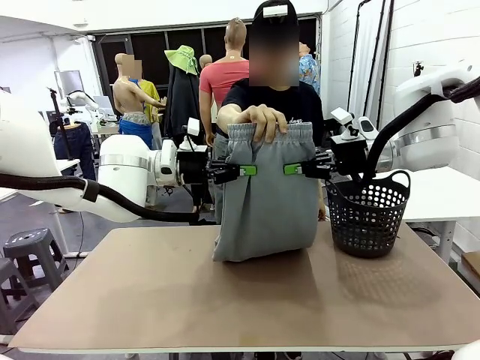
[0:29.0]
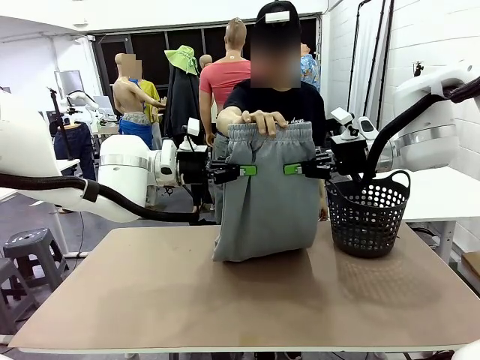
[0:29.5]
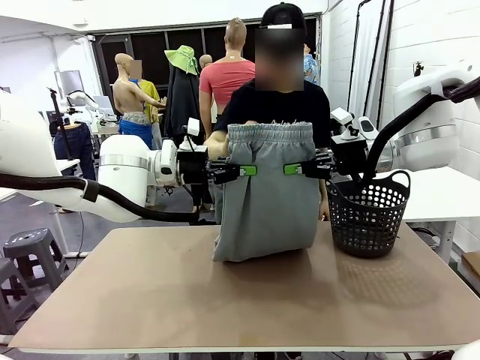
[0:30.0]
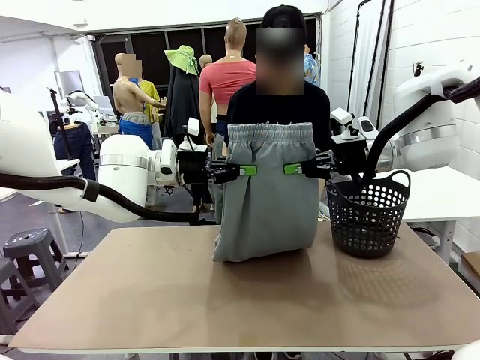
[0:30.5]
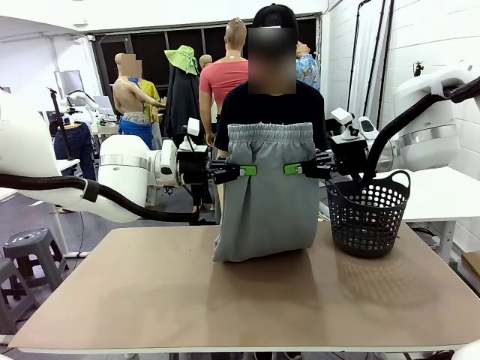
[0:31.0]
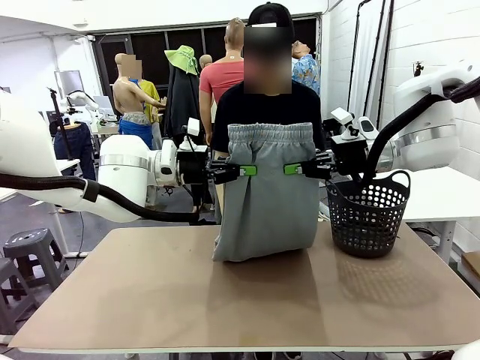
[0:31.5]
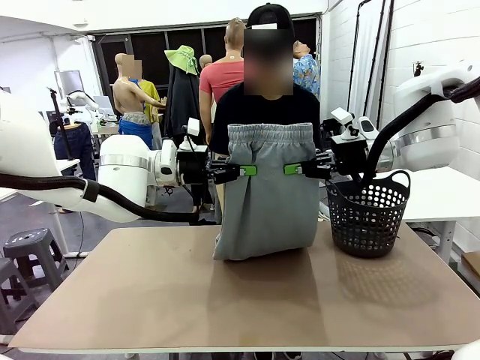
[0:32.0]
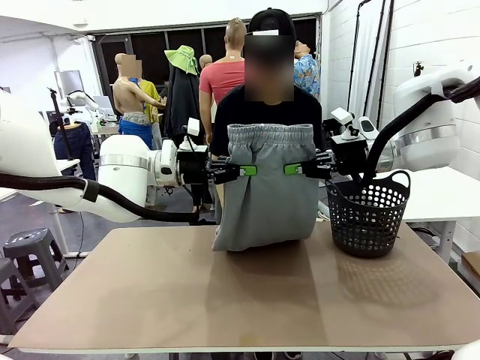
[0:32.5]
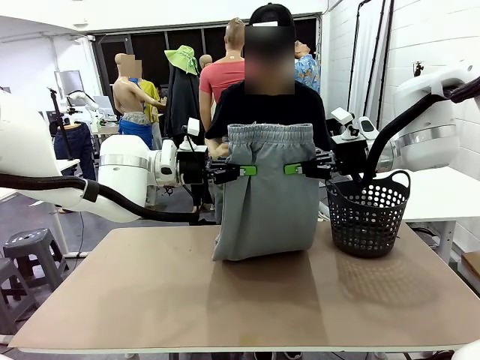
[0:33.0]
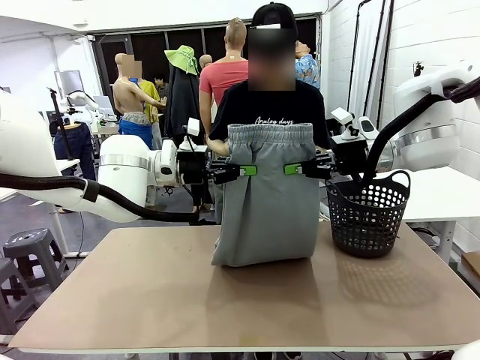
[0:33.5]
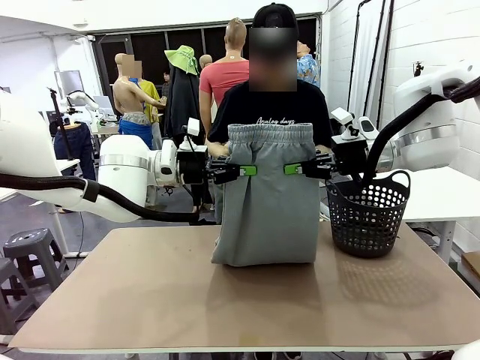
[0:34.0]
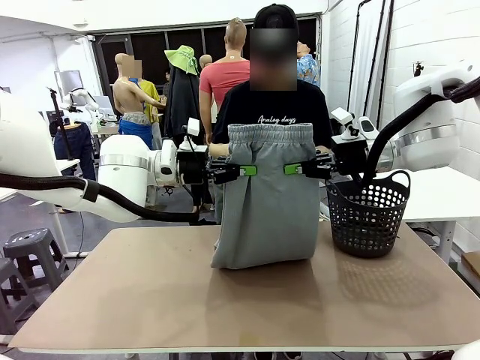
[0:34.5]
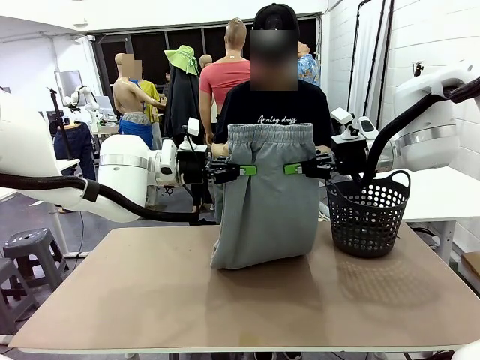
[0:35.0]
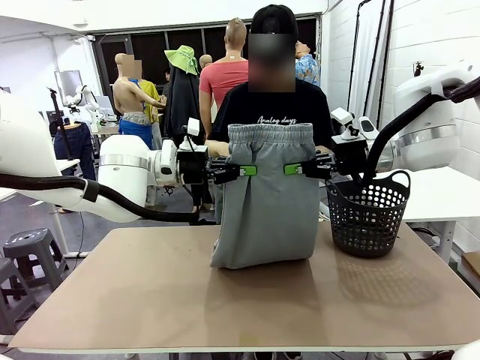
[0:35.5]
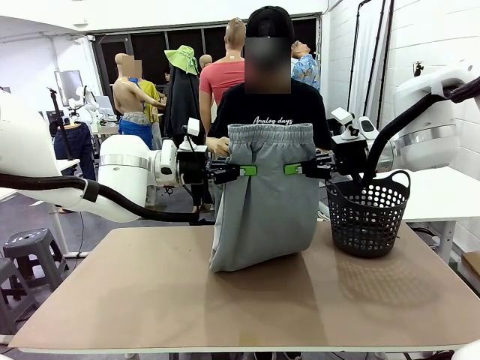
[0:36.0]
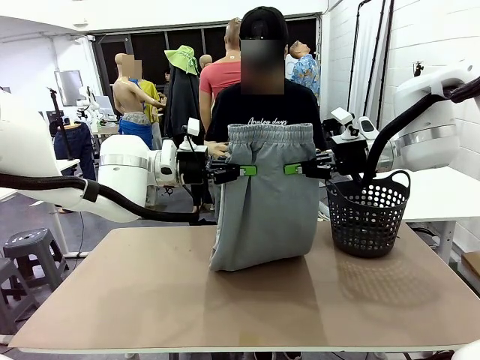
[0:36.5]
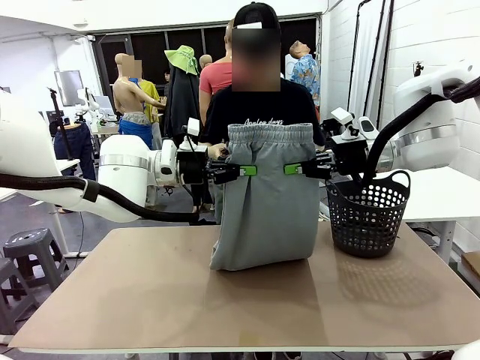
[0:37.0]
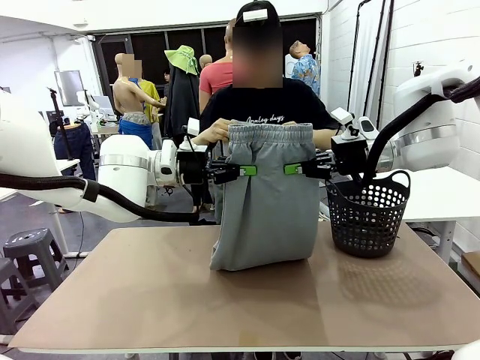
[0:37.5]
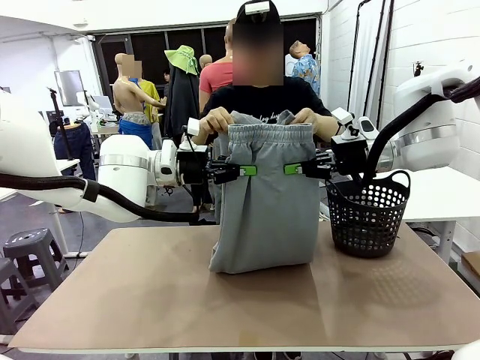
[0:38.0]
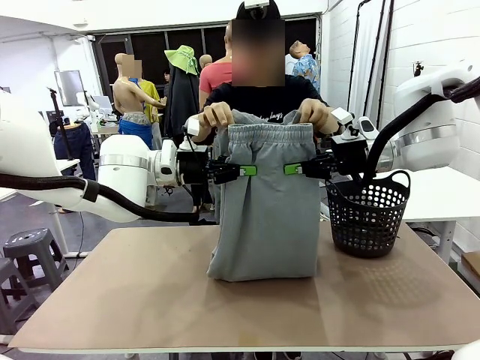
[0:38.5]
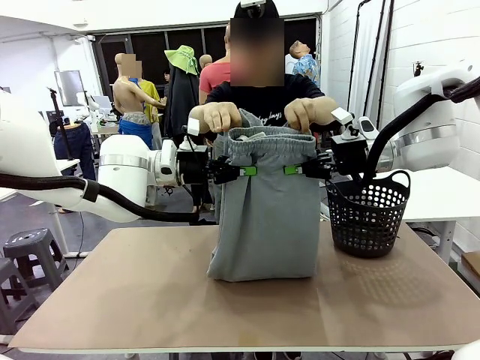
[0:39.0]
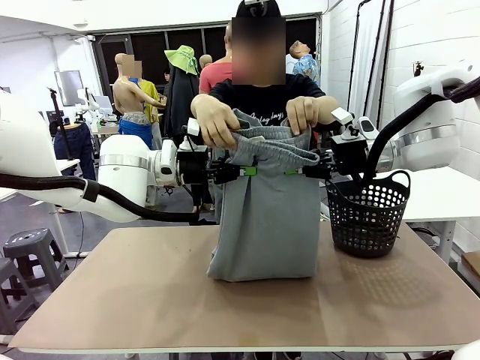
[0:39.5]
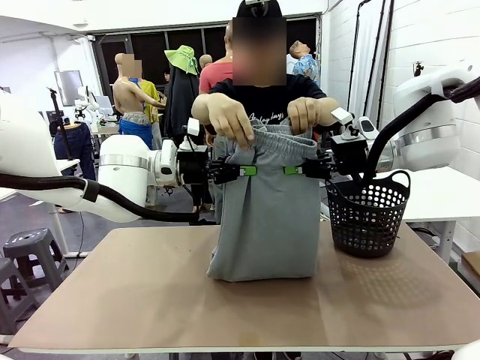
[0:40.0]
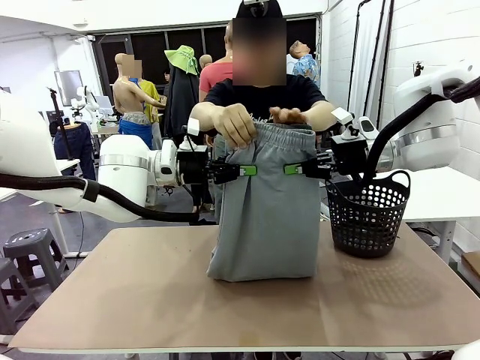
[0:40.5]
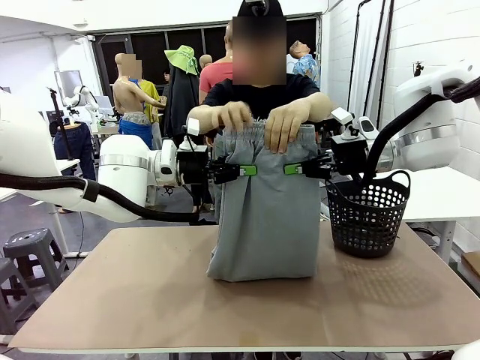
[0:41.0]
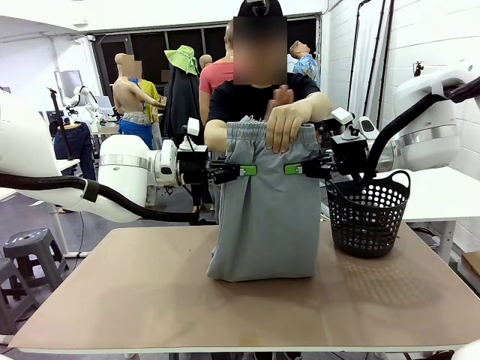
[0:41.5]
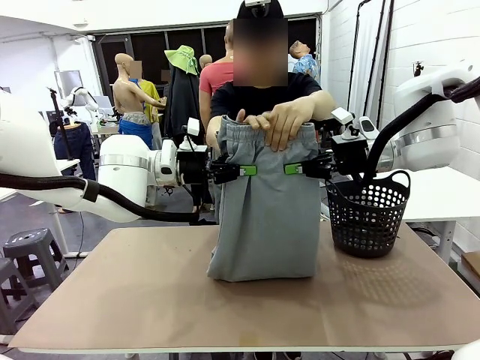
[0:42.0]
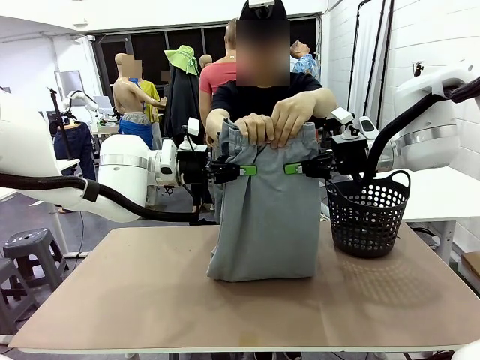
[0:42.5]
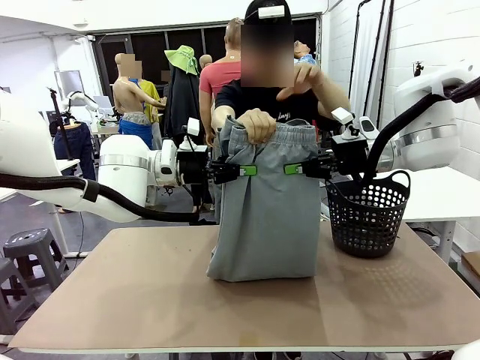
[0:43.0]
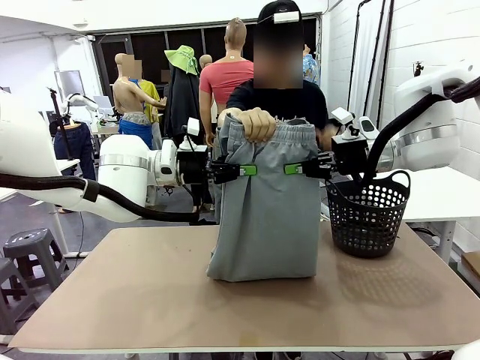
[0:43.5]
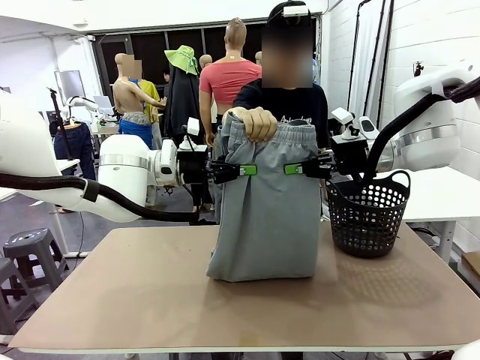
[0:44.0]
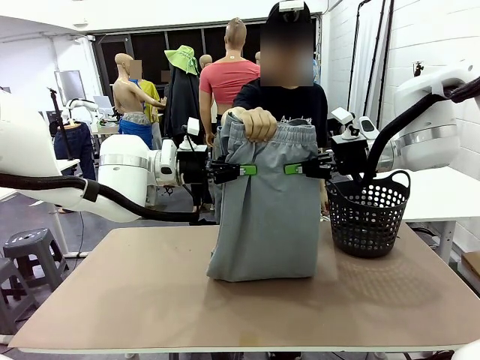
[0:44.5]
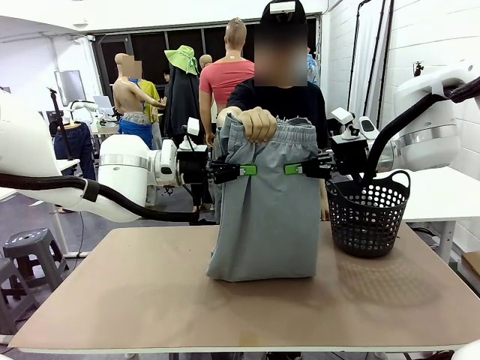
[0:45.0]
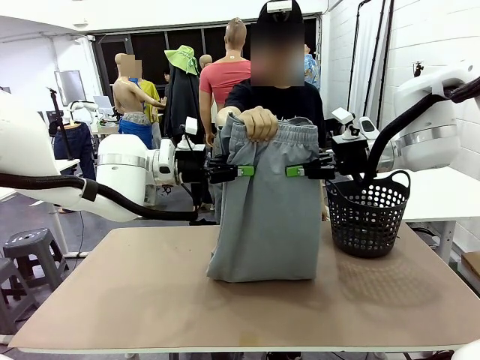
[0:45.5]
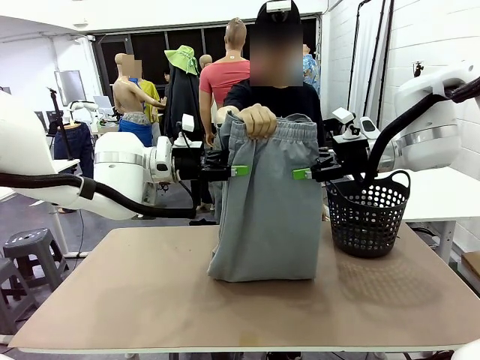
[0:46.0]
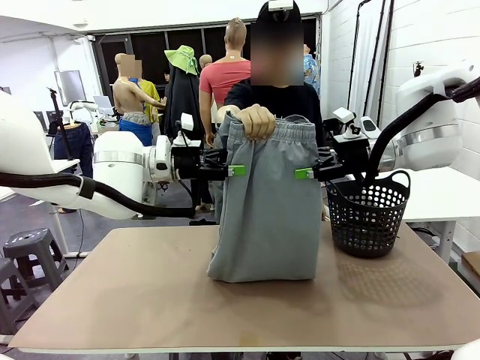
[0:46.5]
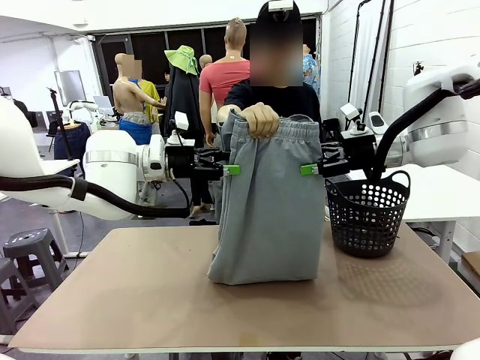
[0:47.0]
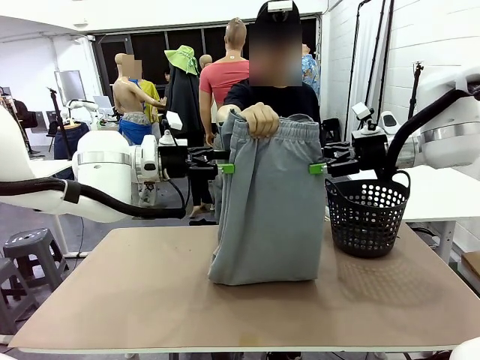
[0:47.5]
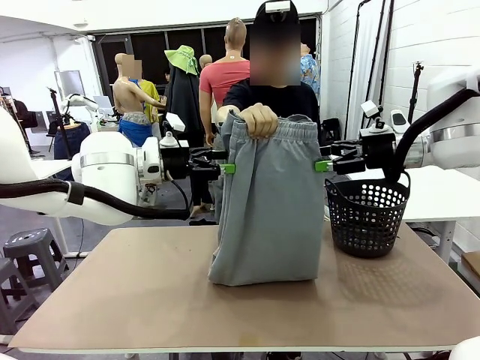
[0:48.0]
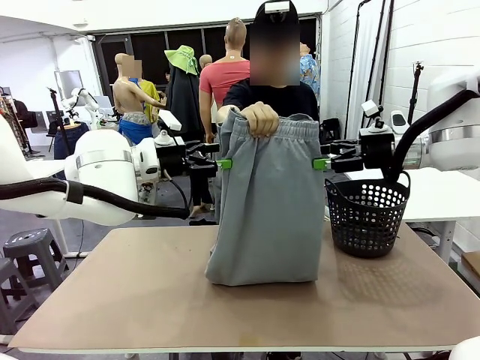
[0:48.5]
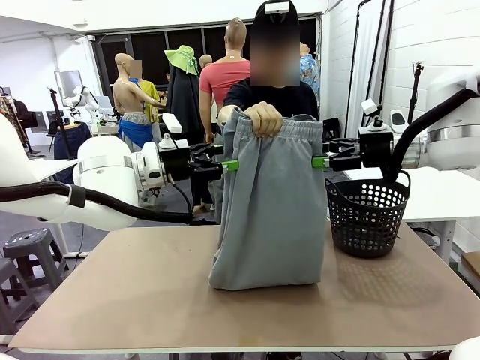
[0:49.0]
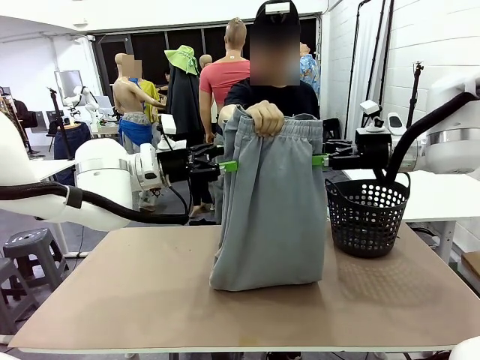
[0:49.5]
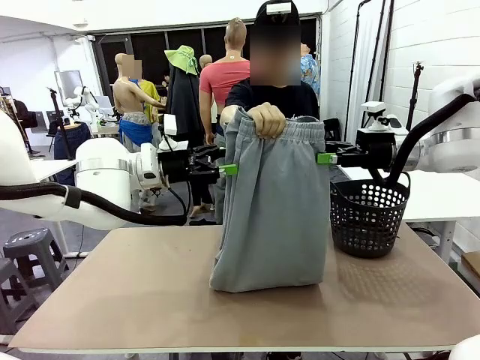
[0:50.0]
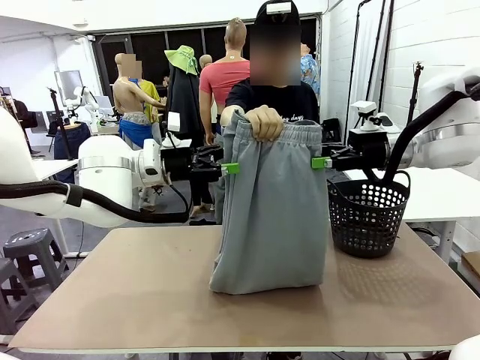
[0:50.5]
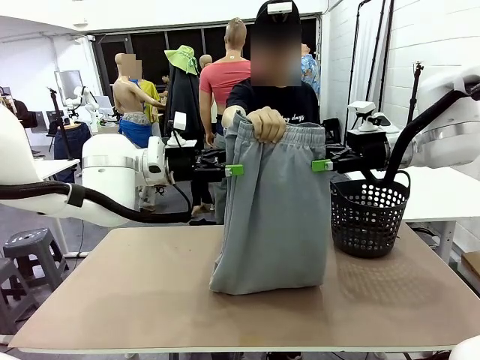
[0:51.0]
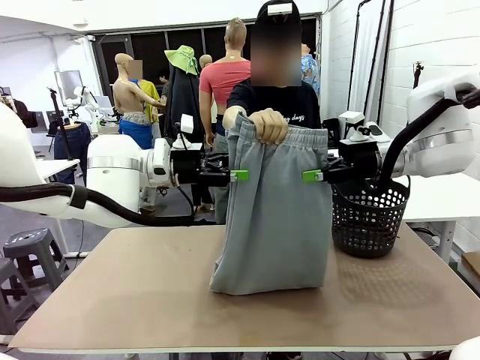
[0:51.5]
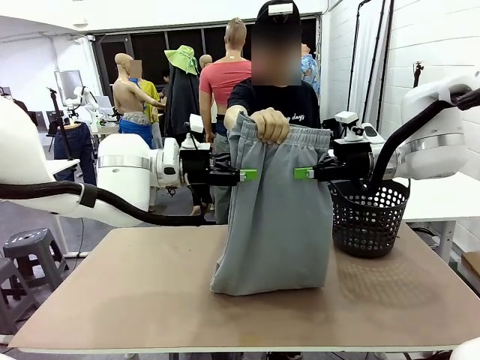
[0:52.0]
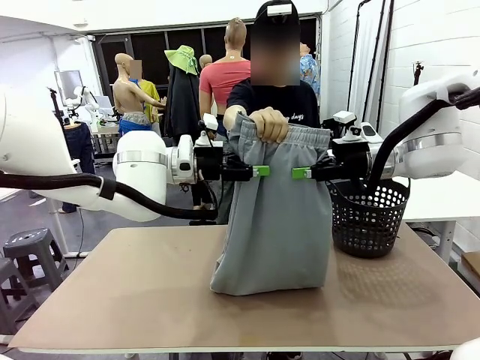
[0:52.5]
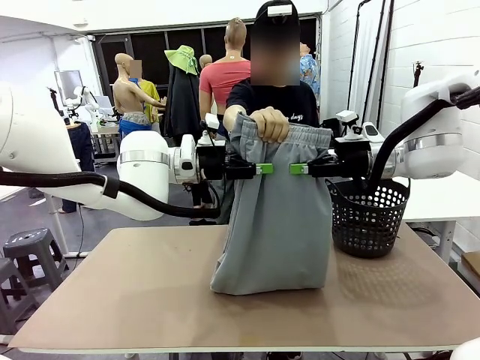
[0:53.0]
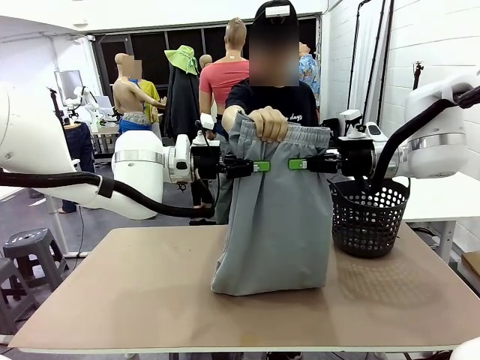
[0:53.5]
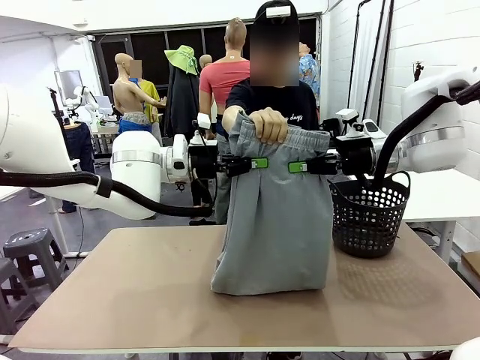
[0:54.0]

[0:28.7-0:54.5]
Task: Fold the training pants.
Robot: Release the ends of the Training pants and then grab the overlapped ends.
Person: Grasp the end opposite the point the robot is holding, fold the pants in half, and then grasp the overlapping top end of the folded pants. Release the pants you were holding.
